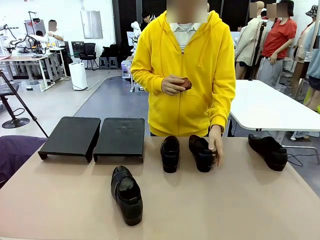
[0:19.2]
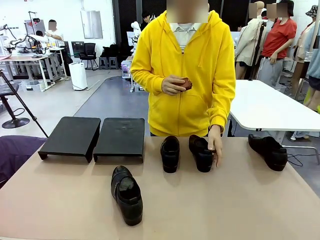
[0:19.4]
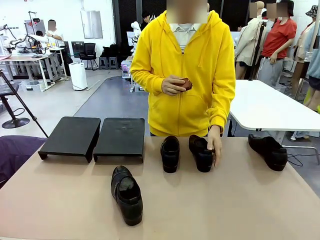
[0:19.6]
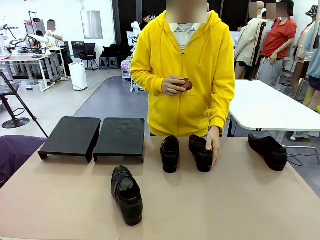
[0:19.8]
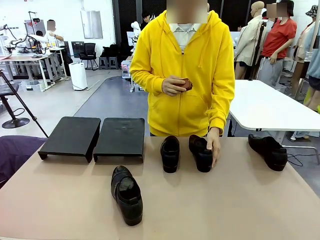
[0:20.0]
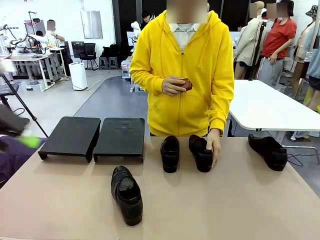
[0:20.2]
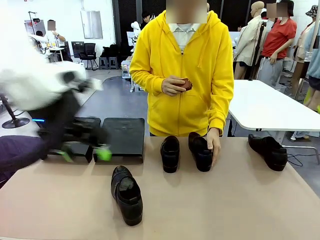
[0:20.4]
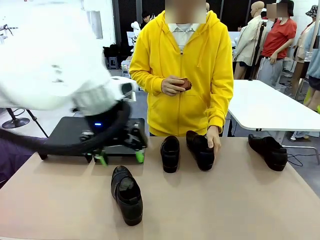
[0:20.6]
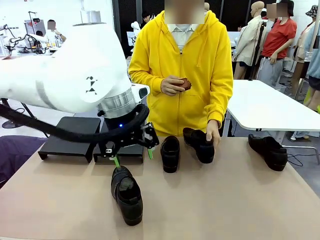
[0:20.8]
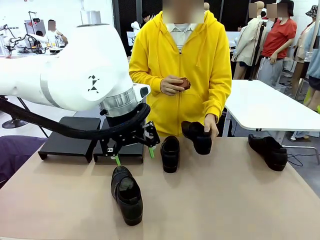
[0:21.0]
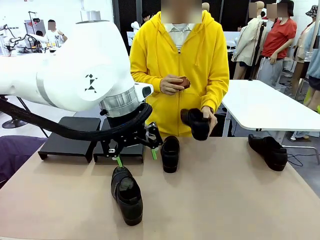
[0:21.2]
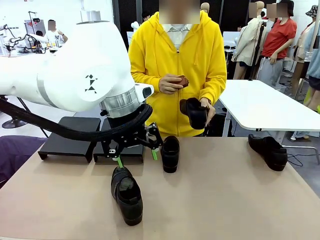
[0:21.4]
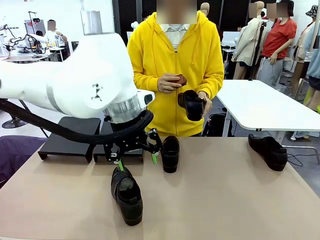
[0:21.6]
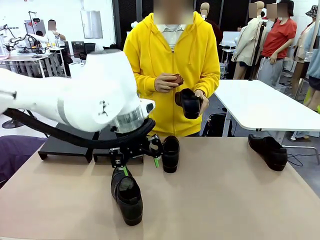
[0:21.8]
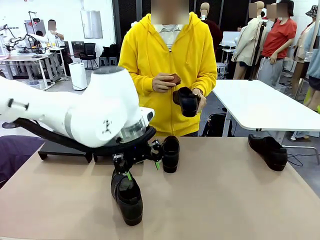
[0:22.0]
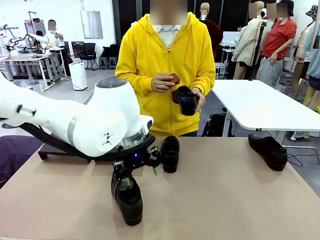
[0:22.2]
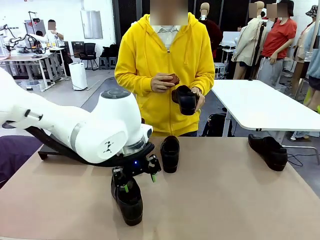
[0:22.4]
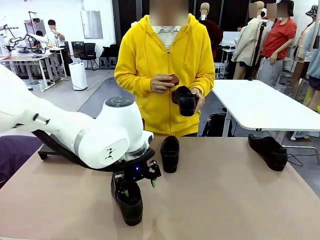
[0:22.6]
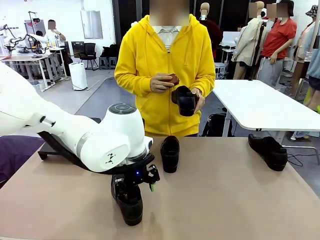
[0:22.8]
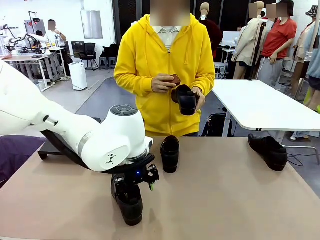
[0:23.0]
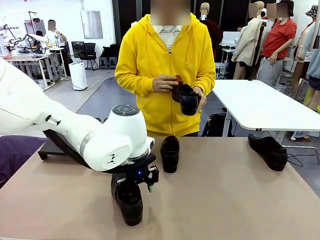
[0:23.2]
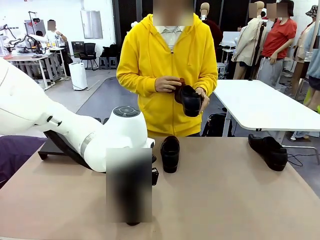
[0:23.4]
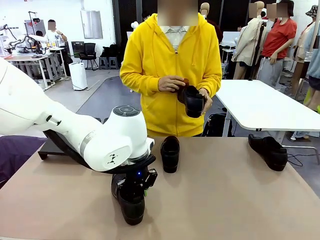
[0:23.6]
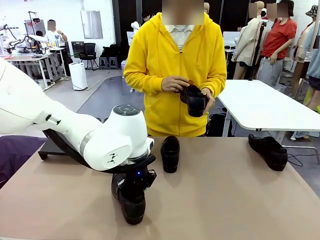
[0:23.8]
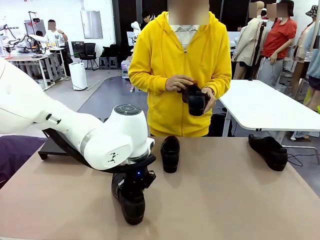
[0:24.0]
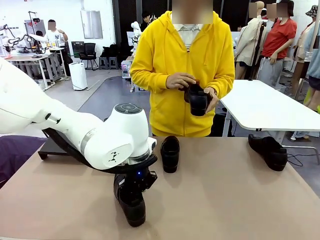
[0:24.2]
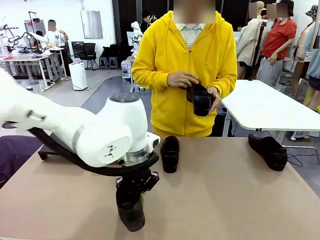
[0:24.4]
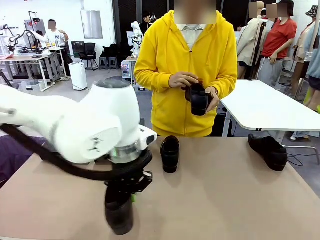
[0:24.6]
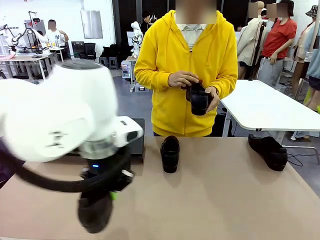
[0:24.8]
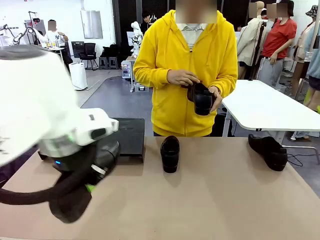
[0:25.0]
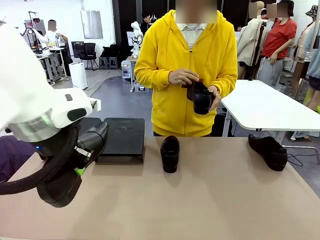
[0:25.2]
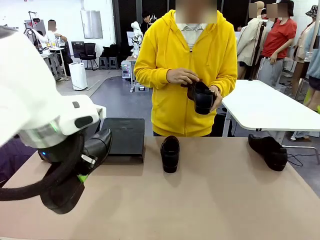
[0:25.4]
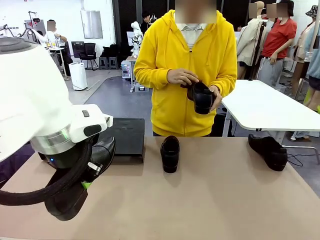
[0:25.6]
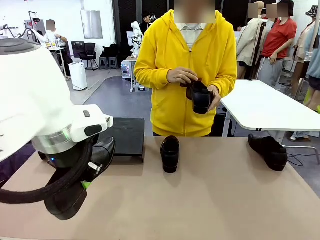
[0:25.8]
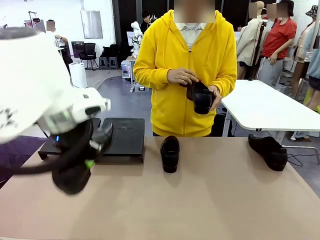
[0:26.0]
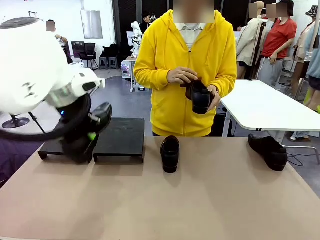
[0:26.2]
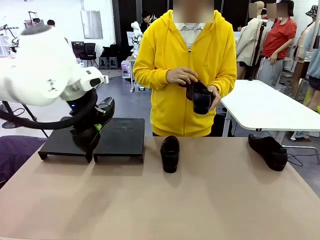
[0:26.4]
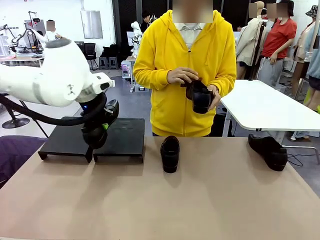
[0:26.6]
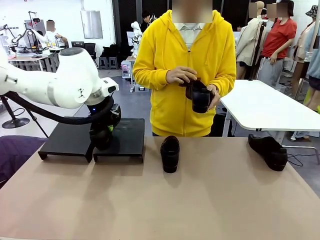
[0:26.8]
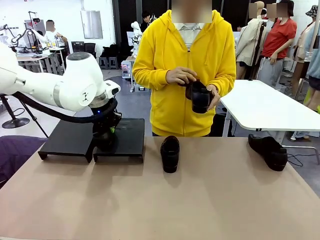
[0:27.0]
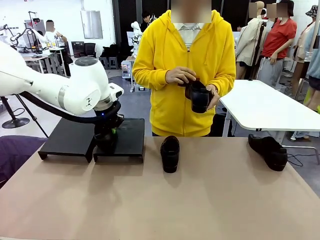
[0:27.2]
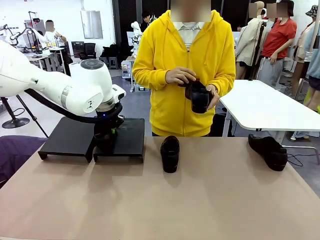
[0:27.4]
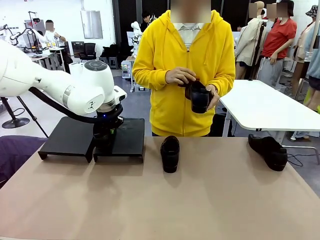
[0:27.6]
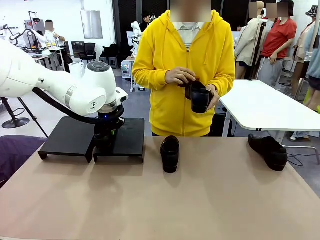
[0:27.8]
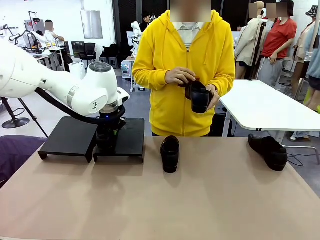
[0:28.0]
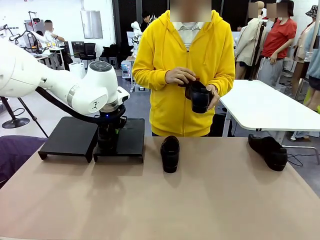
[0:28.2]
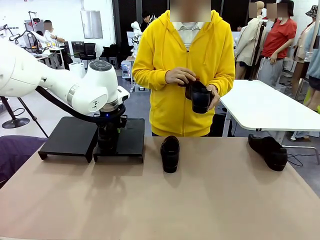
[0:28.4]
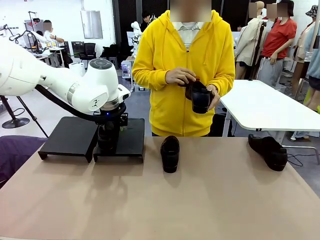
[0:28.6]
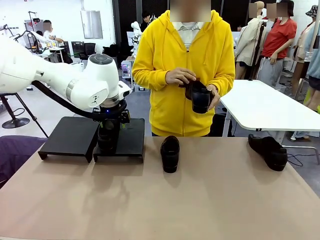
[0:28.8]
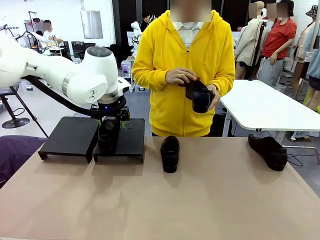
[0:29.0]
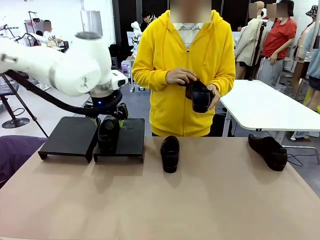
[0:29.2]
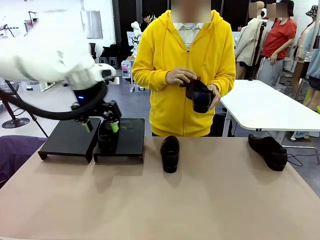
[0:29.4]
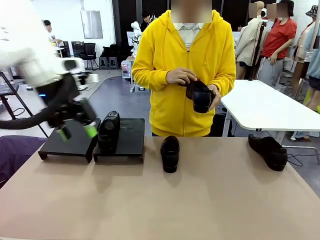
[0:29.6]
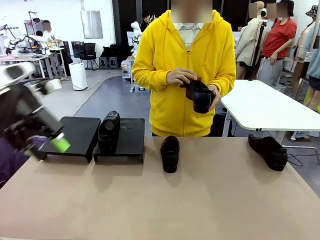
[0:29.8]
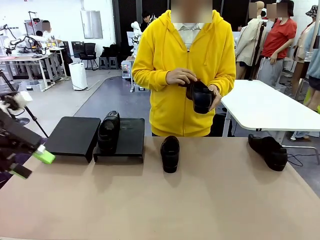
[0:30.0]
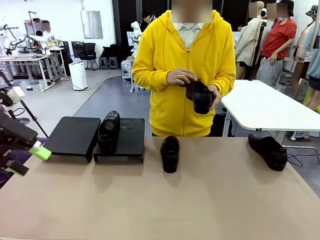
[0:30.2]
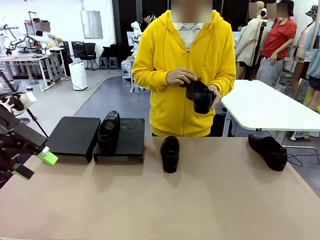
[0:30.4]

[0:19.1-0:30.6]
Task: Organize the shoes by placing them on the stand.
Robot: Place the Shoe from the middle of the table onto the Shoes Stand.
Person: Pick one Shoe on Robot's table. Clean the Shoe with the Shoe Brush.

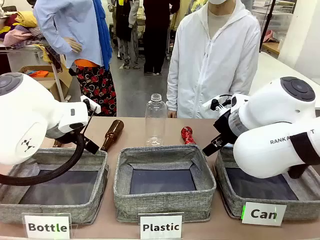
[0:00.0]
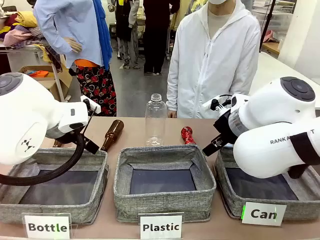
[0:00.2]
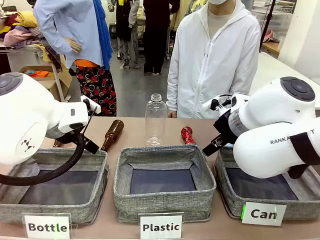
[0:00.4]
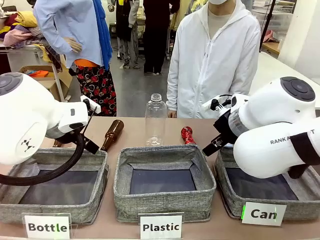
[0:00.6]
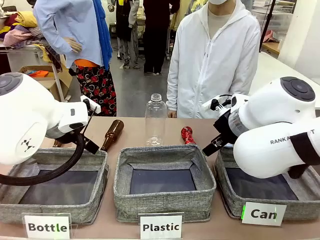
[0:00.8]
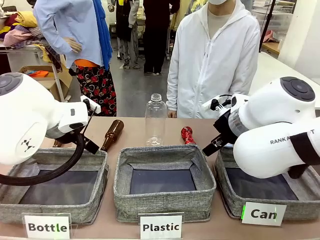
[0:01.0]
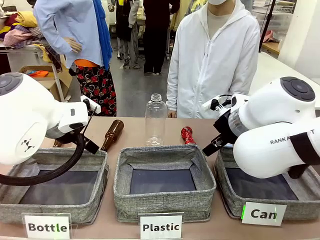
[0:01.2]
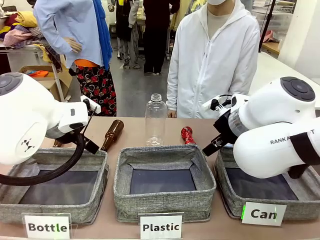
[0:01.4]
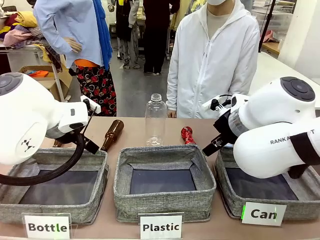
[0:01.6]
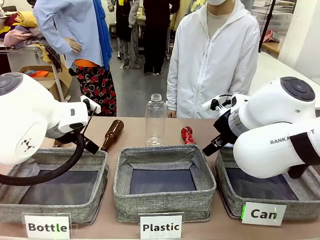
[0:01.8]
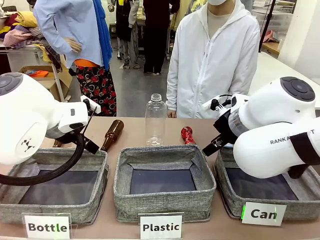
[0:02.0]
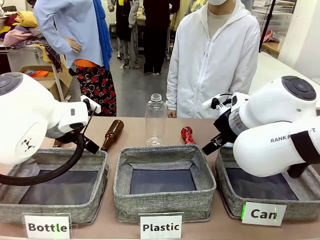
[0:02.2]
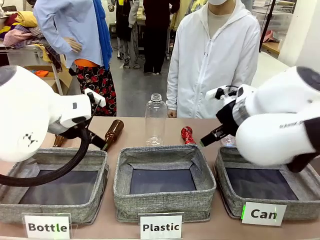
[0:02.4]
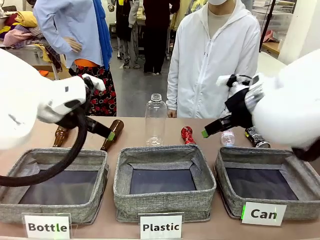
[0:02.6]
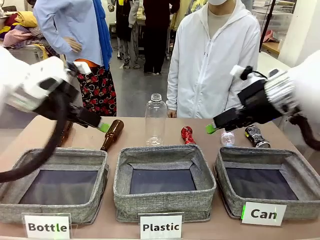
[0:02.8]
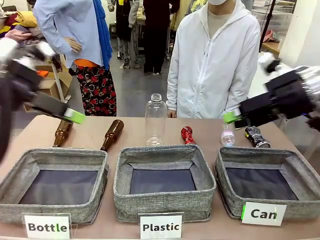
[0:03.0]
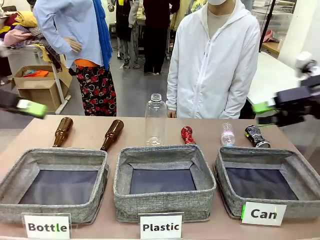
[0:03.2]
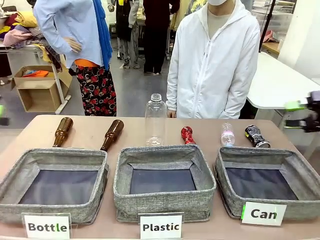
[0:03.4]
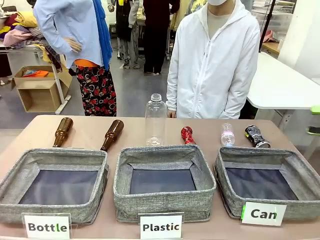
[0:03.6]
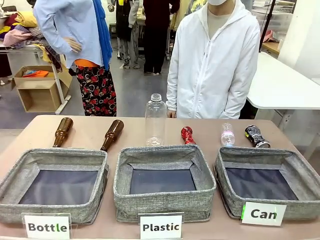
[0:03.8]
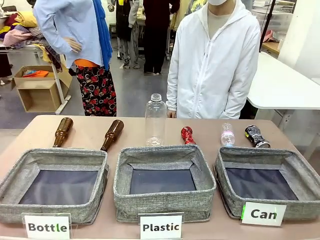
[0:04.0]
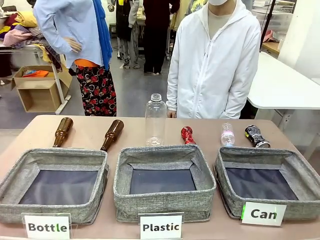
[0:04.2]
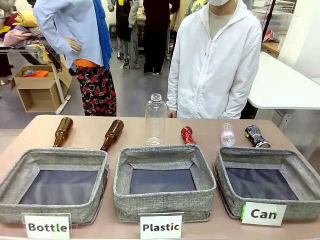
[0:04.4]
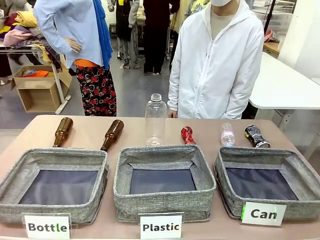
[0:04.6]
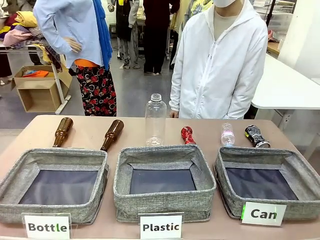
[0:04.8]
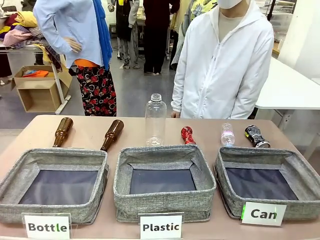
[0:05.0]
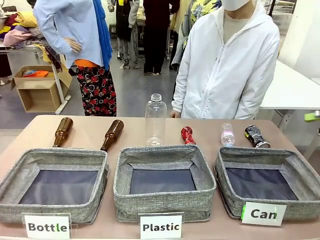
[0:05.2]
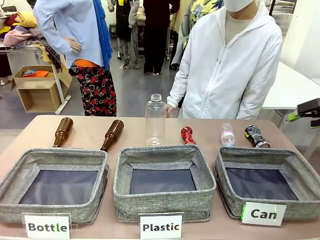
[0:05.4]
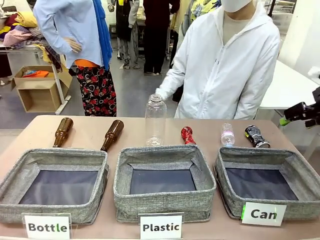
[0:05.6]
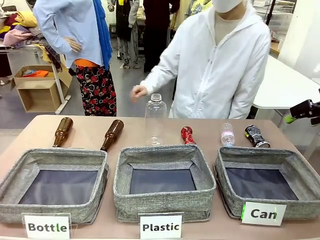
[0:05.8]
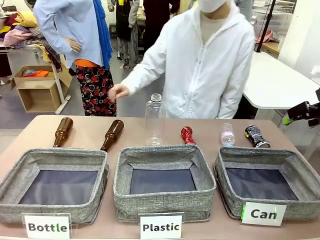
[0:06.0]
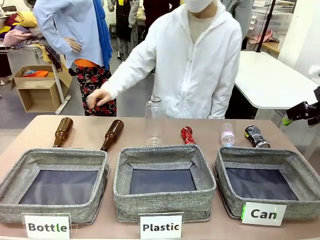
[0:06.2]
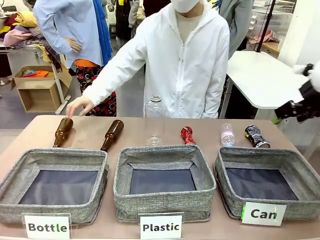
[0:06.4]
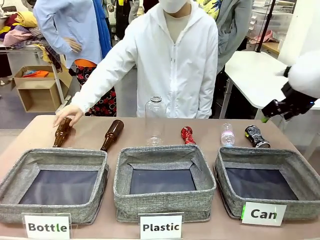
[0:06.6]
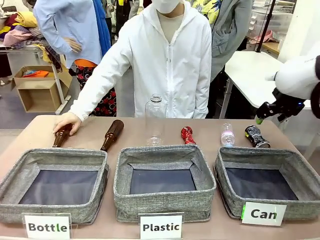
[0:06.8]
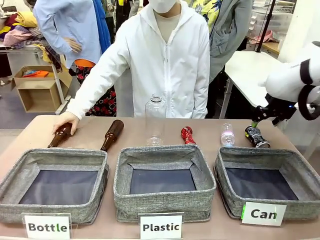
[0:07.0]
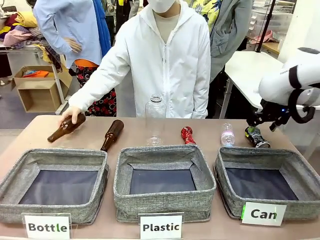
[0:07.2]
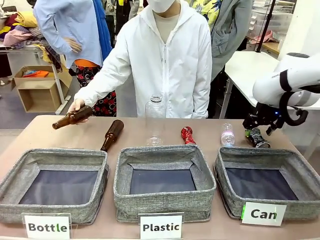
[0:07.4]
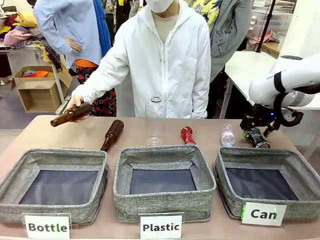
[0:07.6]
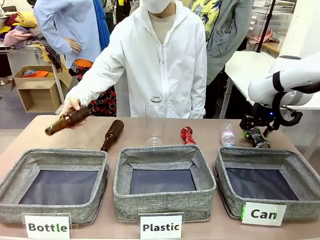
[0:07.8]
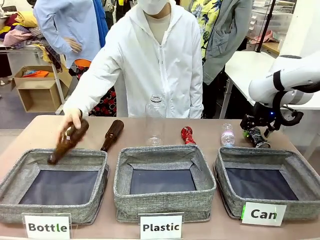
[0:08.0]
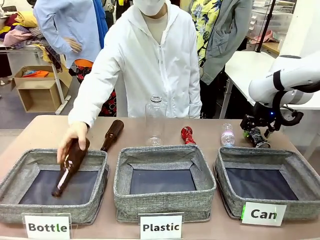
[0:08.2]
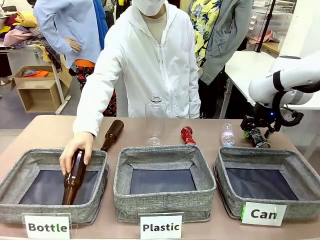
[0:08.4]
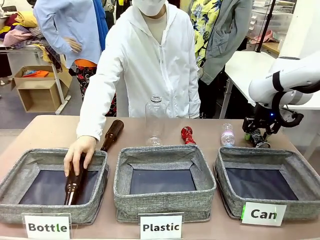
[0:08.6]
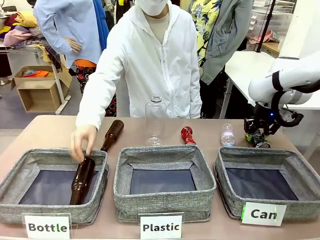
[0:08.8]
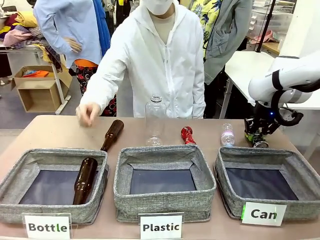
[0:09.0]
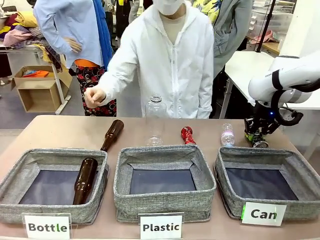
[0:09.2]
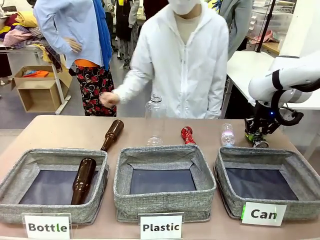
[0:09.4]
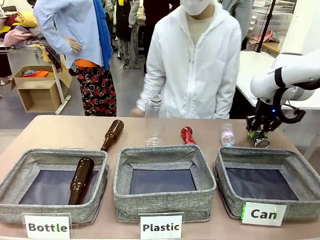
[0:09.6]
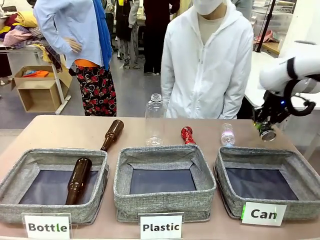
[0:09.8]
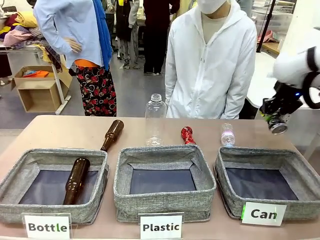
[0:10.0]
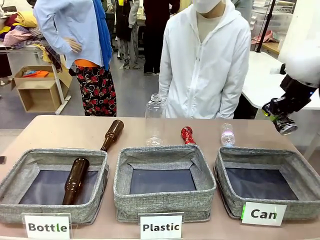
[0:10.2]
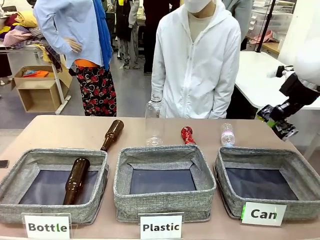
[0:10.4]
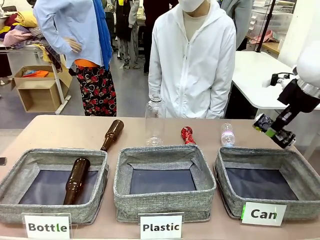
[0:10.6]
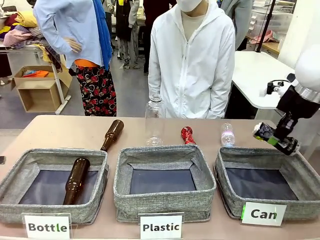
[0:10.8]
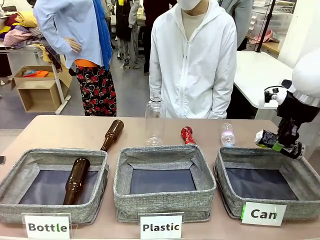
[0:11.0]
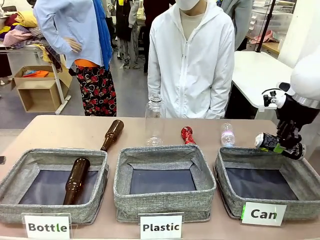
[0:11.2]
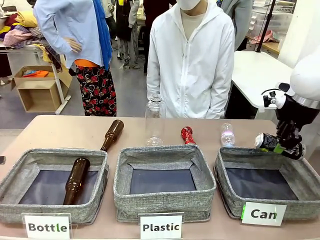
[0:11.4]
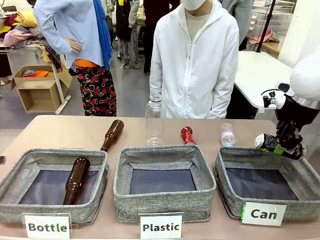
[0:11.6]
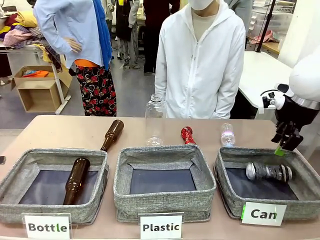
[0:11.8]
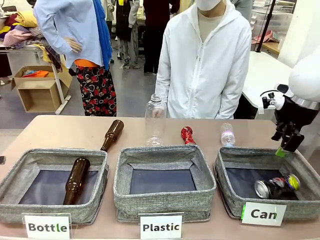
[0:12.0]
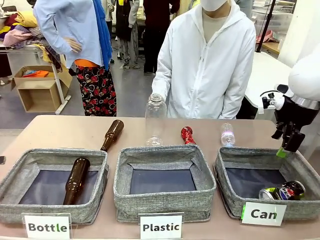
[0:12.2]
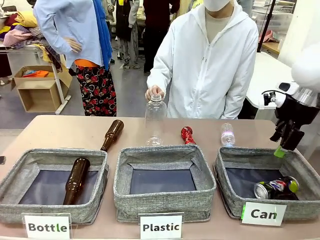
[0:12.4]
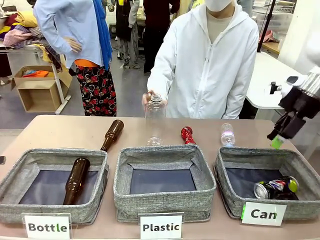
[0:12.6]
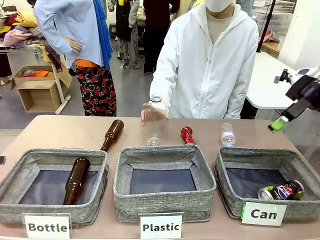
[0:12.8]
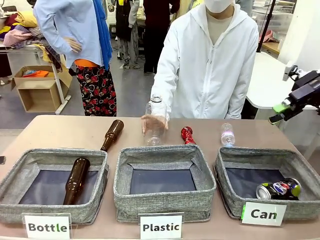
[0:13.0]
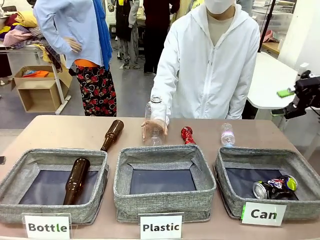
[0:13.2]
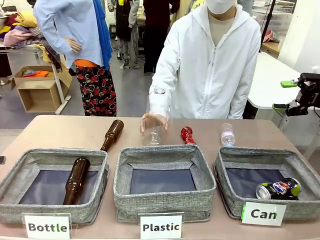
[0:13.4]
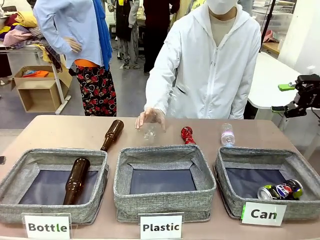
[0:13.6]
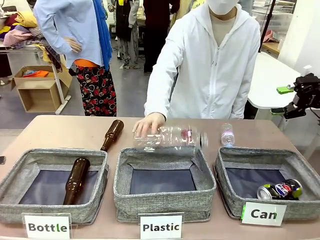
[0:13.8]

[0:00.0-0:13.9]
Task: Sort the can waste into the basket.
Robot: Pick up the can waste from the table and place it in the right Fabric basket.
